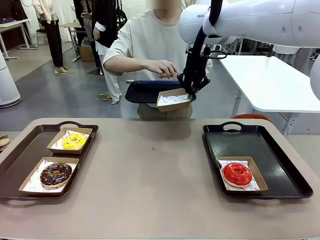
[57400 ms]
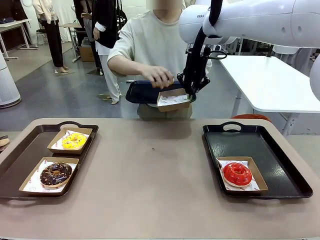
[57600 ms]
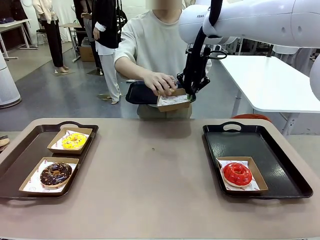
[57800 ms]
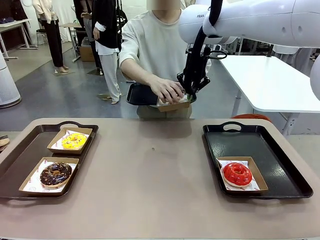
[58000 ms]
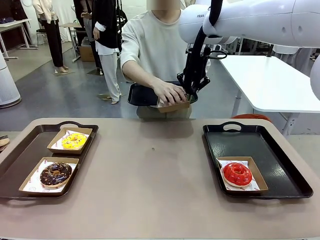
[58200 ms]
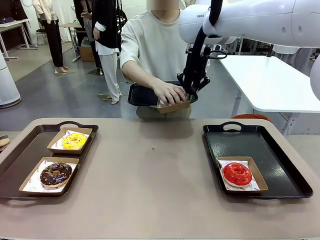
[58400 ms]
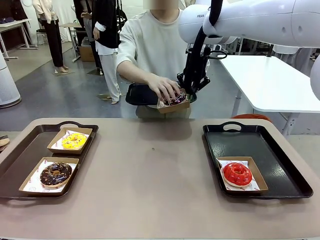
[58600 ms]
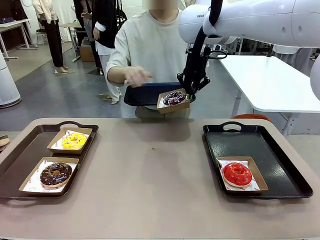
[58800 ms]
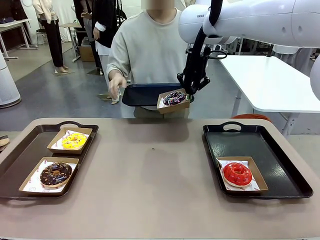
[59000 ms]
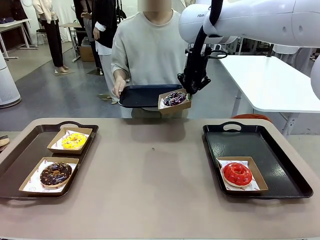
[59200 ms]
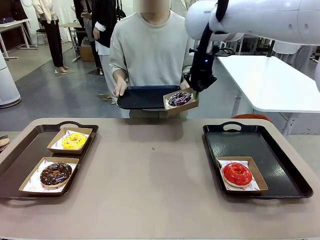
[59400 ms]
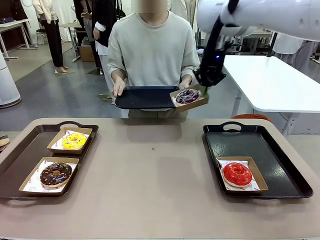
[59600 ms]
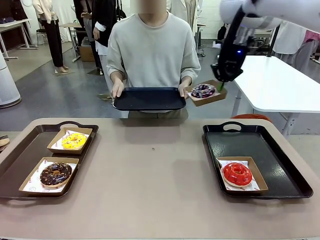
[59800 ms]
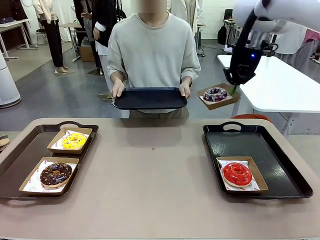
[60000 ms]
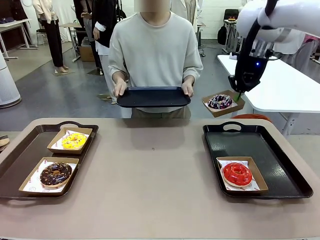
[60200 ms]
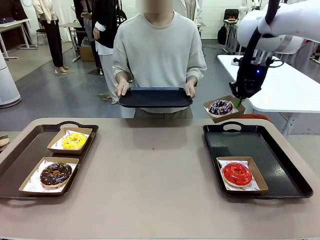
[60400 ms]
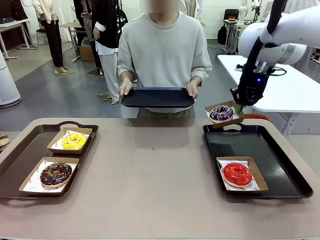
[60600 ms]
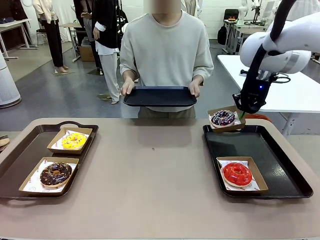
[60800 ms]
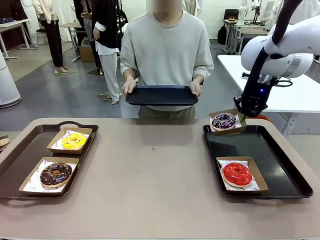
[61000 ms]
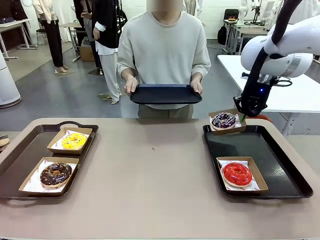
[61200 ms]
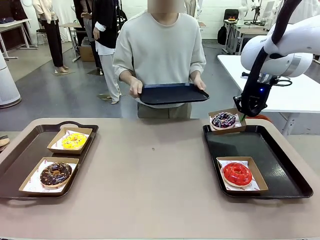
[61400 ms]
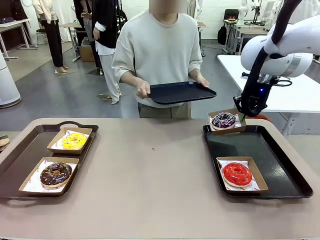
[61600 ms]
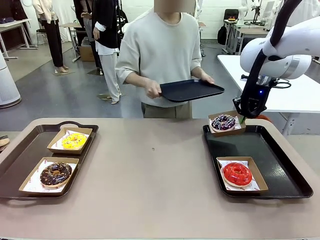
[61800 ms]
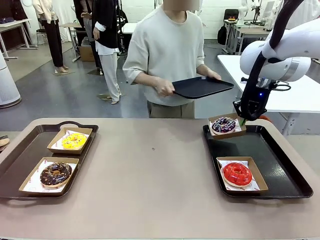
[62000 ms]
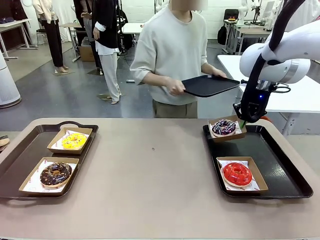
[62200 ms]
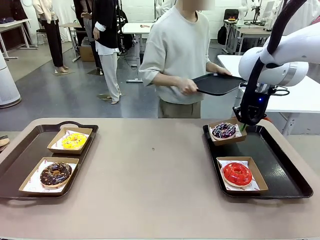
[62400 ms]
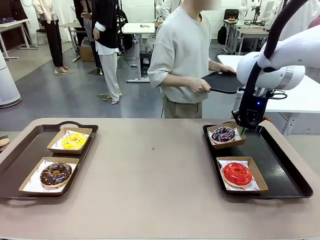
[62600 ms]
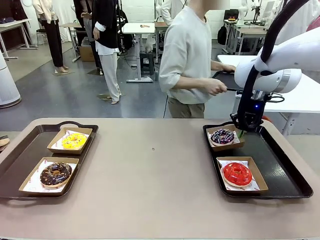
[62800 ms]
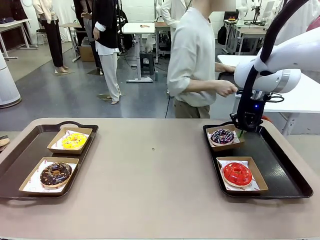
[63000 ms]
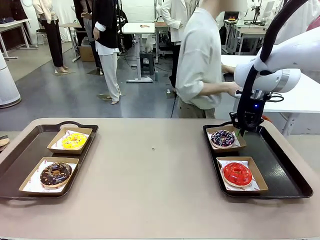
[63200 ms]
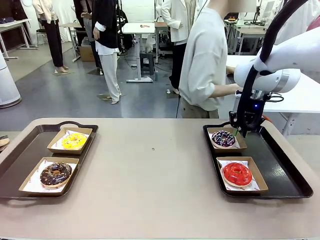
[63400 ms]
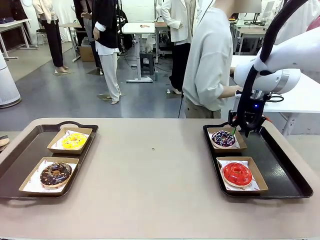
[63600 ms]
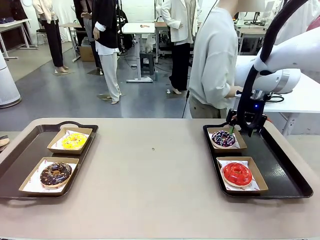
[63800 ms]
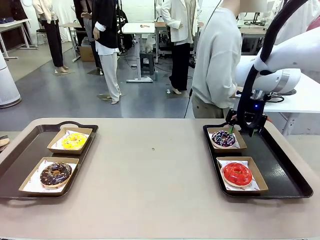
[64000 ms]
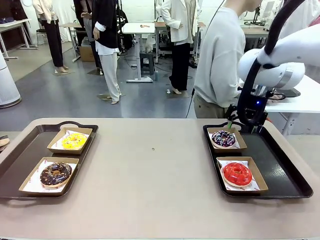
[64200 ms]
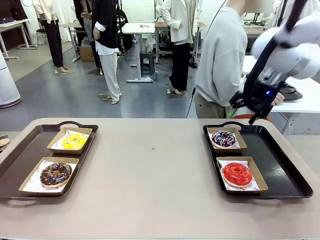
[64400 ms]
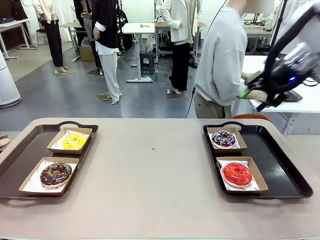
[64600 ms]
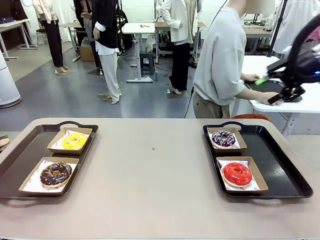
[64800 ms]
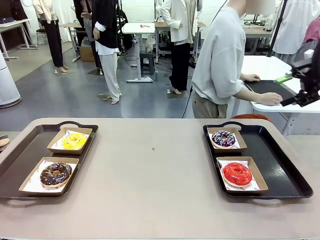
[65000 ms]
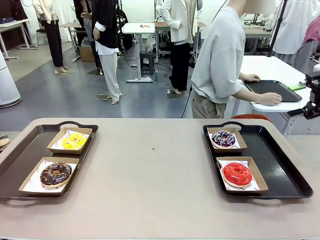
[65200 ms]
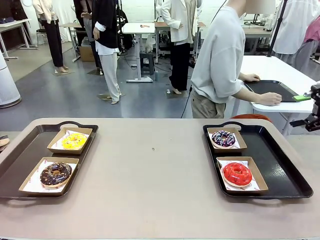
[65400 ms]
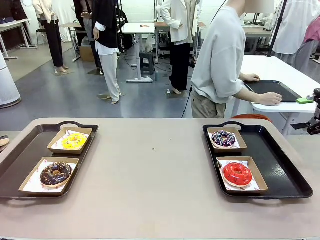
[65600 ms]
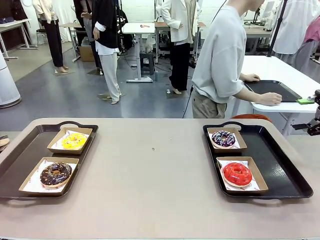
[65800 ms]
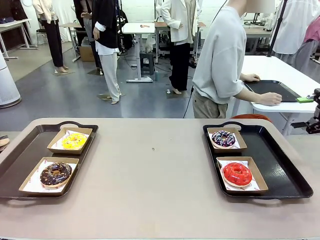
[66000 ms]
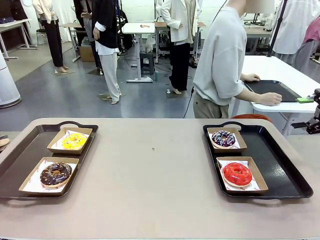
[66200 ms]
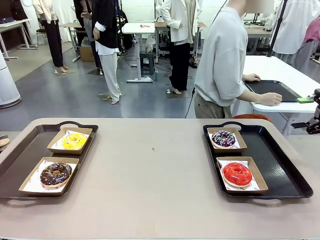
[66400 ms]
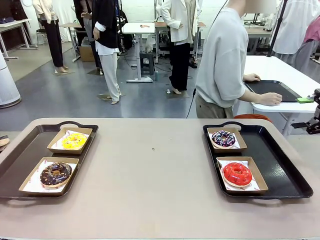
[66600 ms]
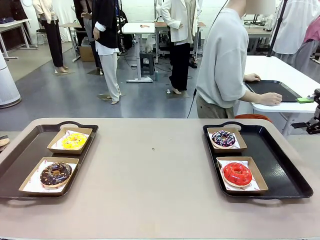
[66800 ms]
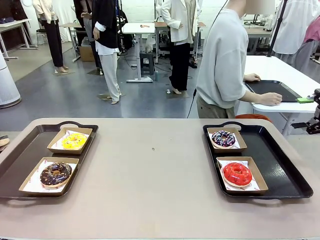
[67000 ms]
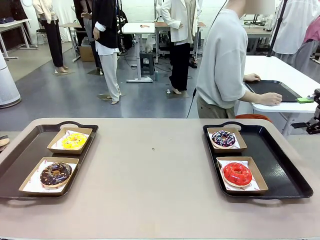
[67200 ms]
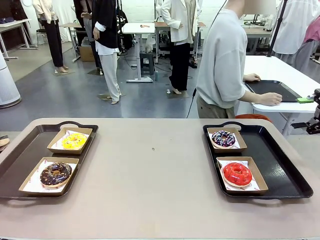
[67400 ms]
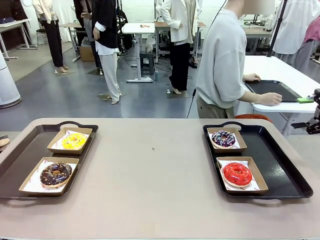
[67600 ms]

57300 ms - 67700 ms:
Task: Individually package the donuts and arrange them on the tray.
Robot: Place the picked Paper togo box on the Handle tray.
Person: Place the tray down in the middle of the human table.

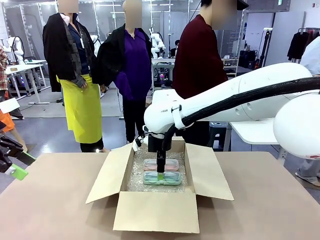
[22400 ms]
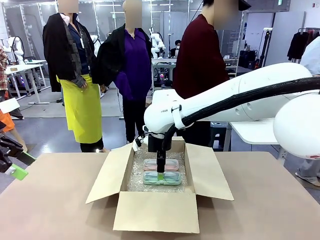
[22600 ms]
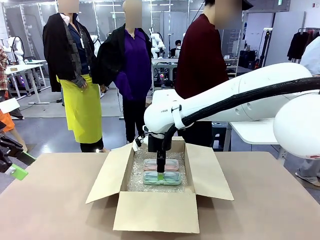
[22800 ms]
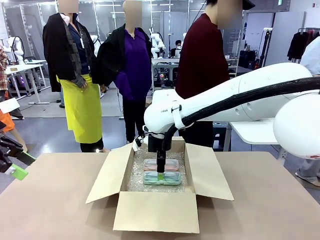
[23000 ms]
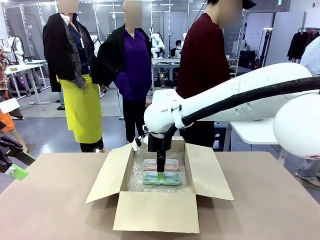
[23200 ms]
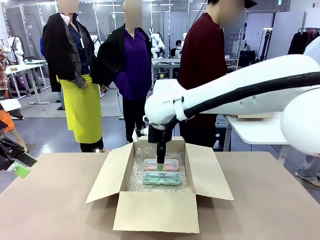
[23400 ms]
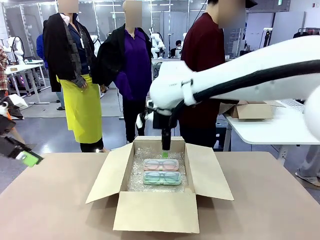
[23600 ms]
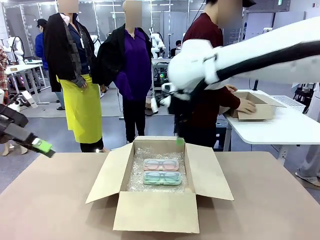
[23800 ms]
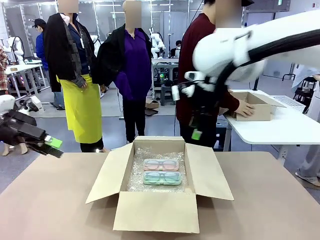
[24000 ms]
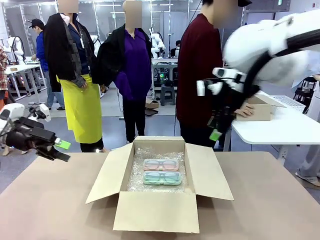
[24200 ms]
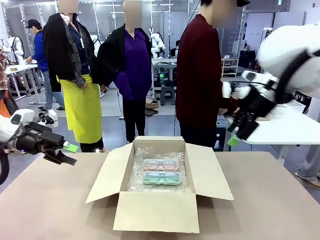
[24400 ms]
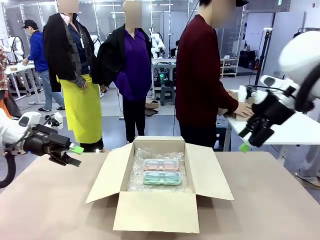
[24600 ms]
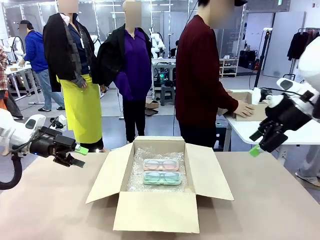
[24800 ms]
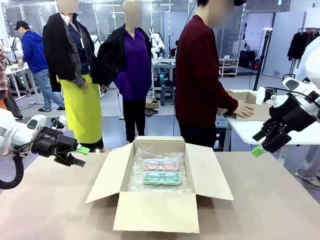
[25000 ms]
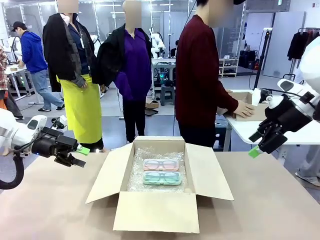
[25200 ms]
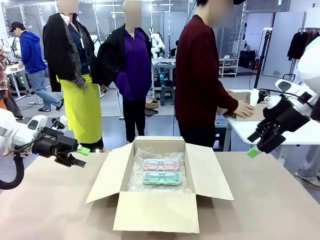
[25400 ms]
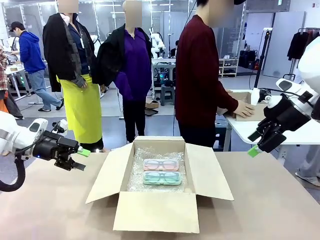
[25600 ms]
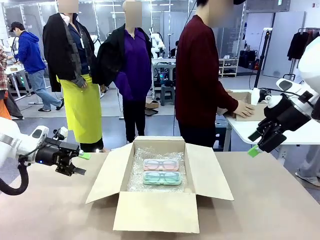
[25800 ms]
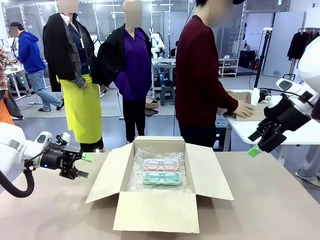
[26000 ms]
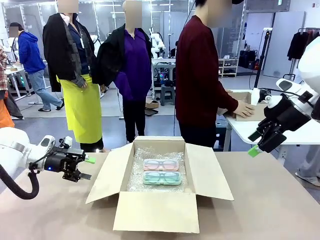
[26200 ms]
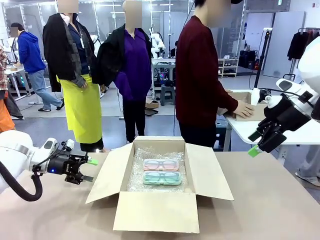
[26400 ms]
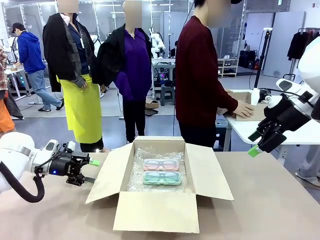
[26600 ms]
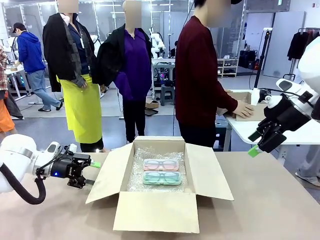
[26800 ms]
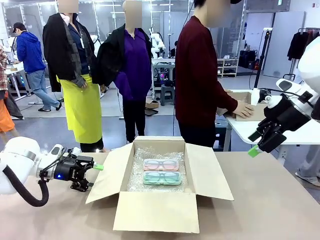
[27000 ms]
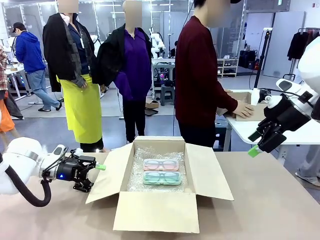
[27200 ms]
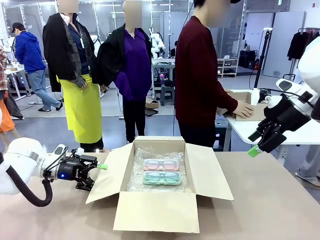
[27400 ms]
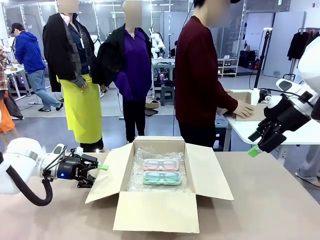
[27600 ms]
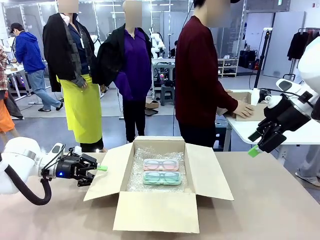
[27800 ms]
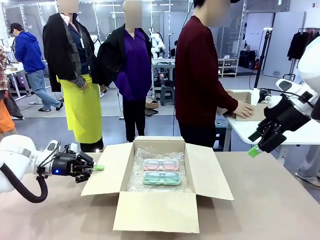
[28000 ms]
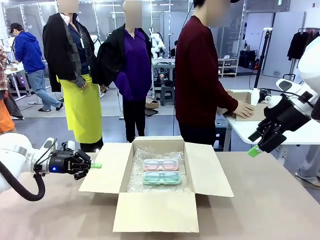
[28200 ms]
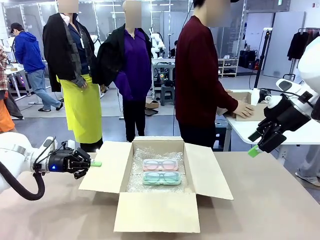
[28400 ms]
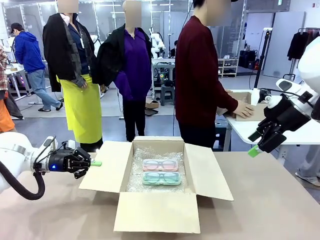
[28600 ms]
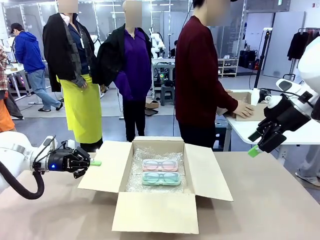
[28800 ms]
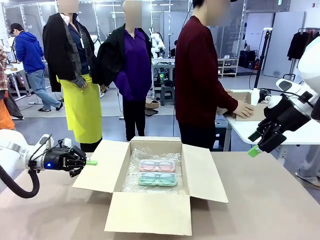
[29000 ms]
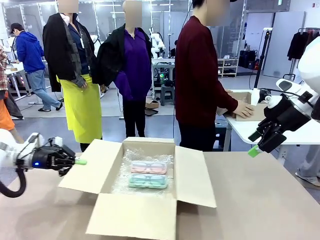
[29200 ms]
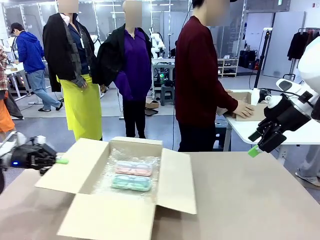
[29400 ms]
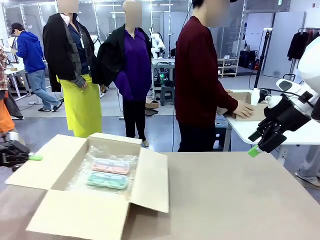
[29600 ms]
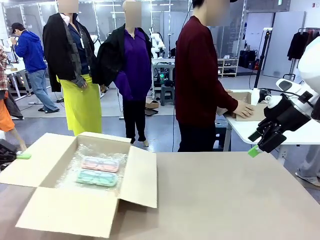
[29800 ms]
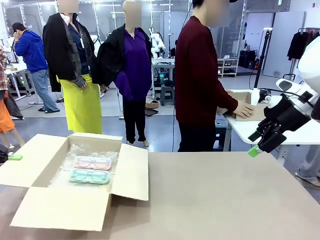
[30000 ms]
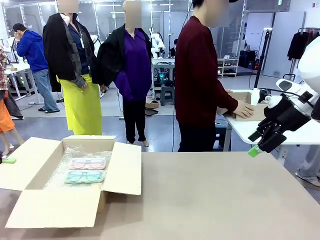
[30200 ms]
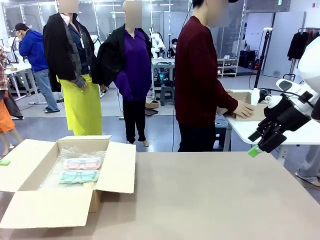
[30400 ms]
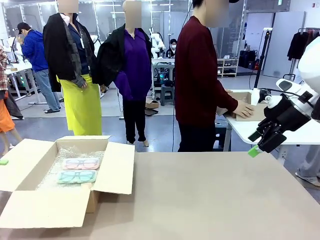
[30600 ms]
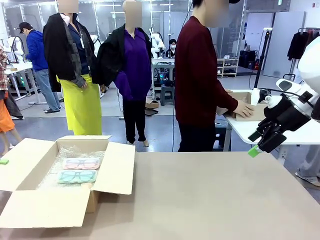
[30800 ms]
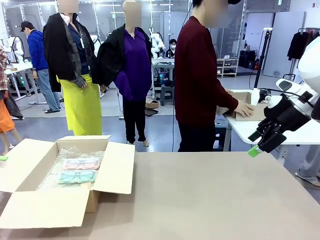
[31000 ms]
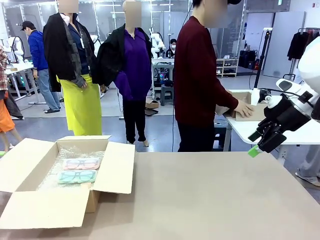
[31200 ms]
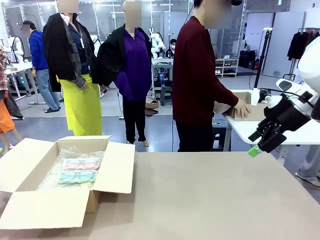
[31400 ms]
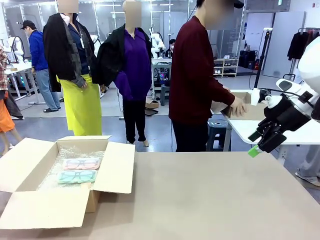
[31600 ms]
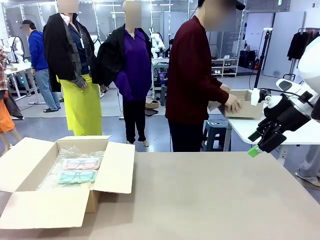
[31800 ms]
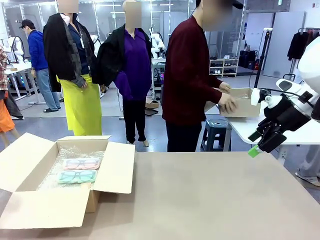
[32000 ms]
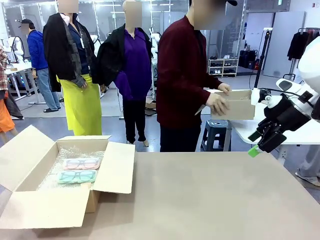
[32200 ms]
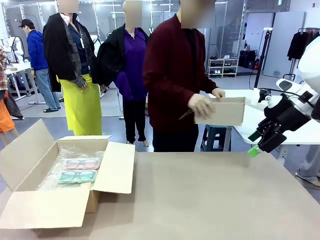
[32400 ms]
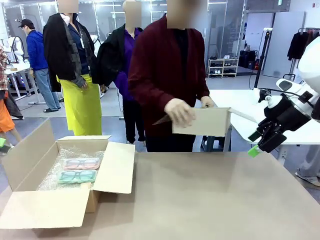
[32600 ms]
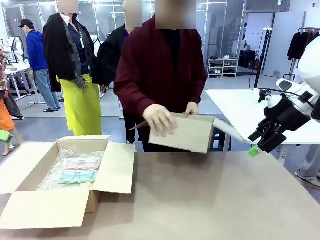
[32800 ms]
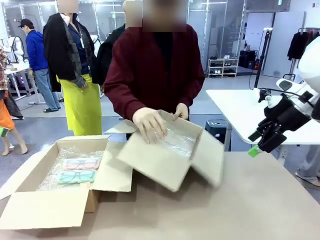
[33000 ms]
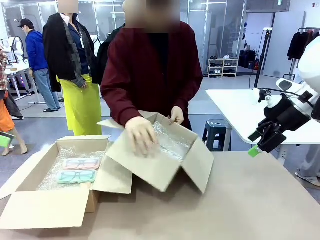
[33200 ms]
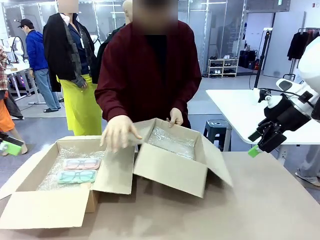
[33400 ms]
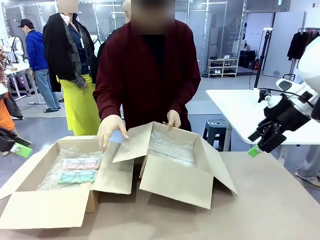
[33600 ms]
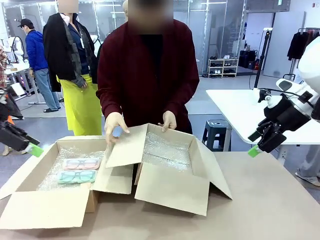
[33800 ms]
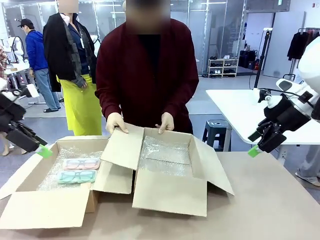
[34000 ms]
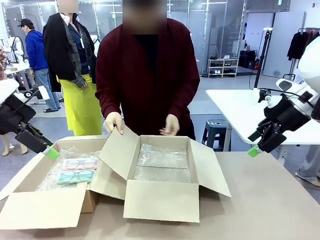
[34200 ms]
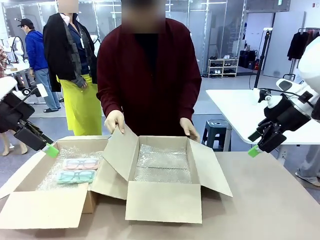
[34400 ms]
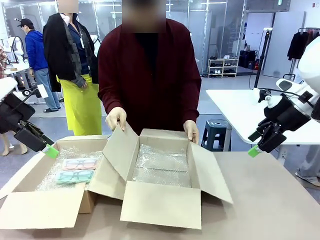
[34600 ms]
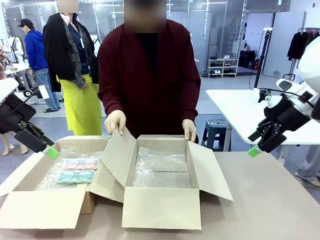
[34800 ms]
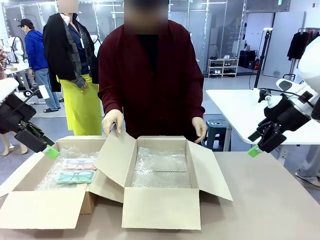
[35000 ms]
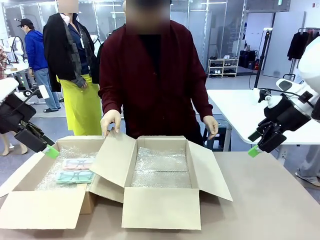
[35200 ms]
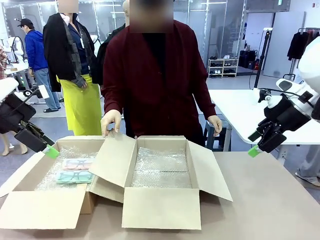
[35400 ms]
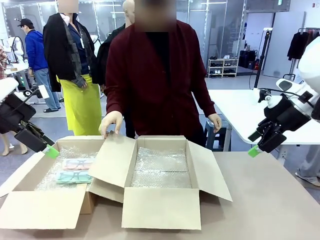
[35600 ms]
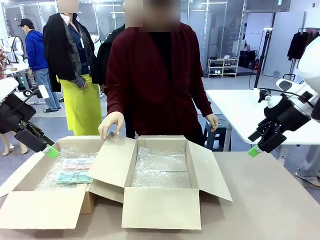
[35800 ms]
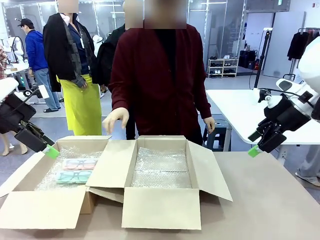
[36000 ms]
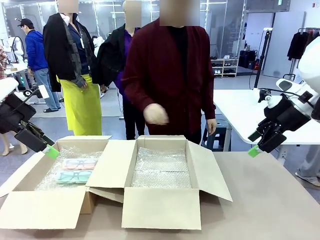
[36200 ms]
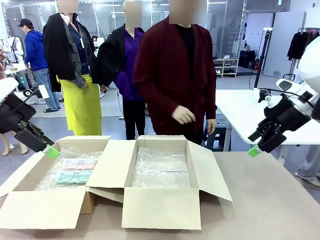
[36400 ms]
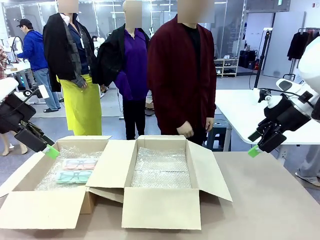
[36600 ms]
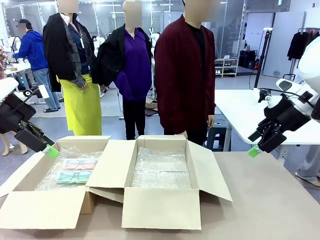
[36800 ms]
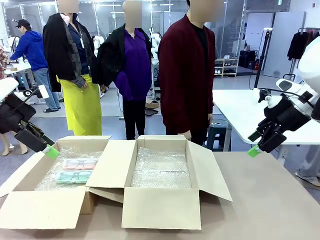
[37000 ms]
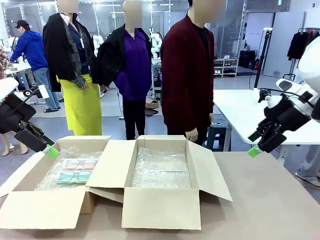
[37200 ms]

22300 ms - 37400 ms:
Task: Pack the glasses set securely to prepare it for shipping.
Robot: Position the Package Box on the left side of the table.
Person: Position the empty Package Box in the middle of the robot's table.
